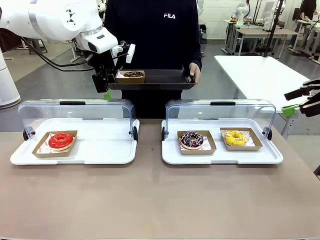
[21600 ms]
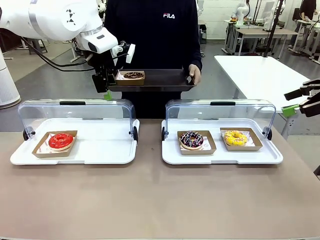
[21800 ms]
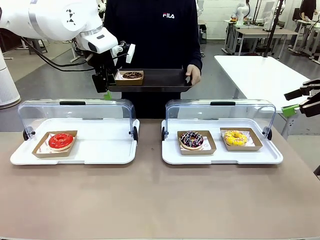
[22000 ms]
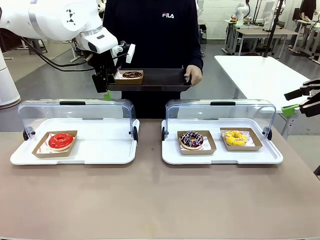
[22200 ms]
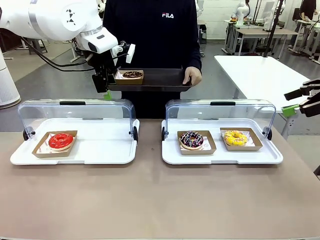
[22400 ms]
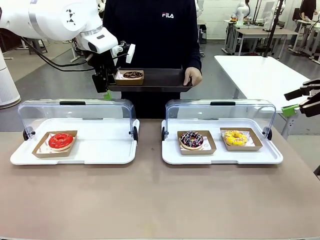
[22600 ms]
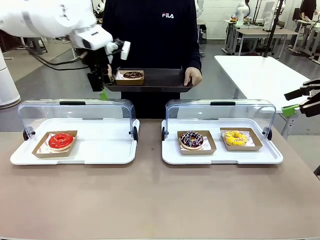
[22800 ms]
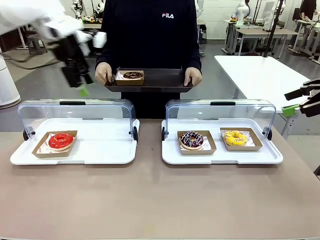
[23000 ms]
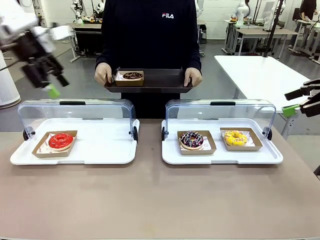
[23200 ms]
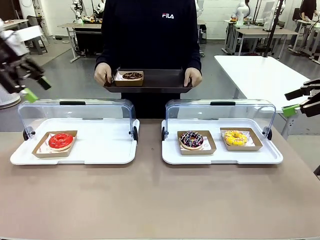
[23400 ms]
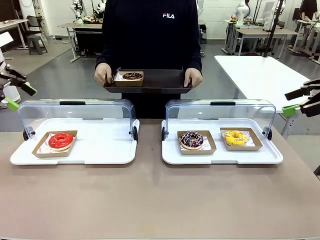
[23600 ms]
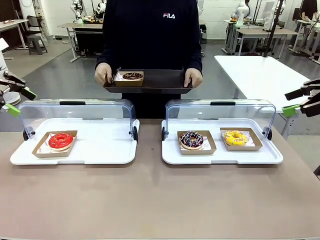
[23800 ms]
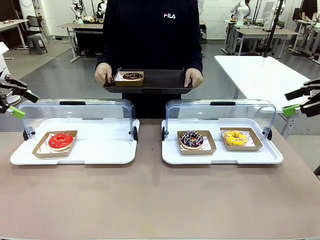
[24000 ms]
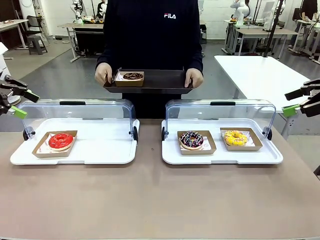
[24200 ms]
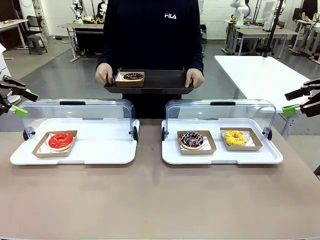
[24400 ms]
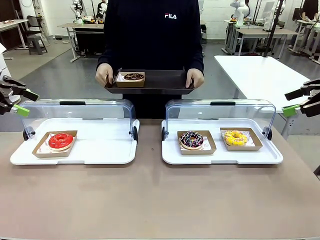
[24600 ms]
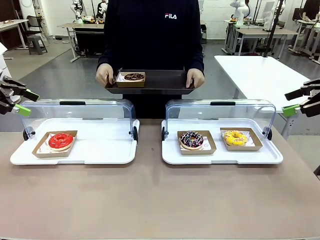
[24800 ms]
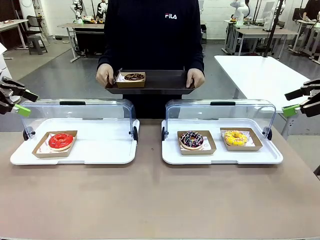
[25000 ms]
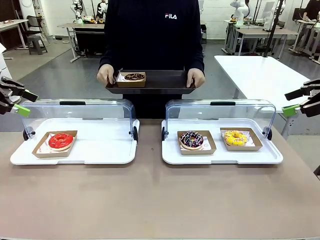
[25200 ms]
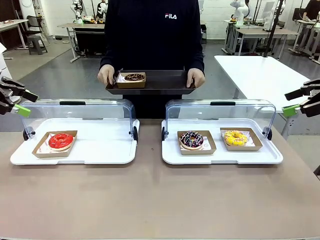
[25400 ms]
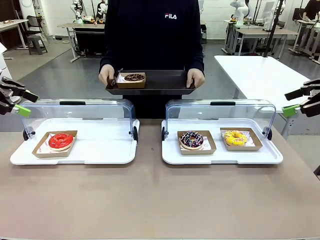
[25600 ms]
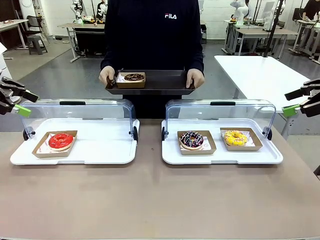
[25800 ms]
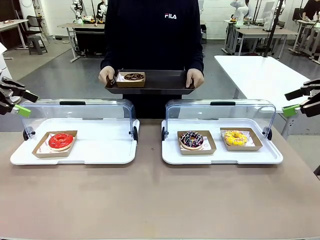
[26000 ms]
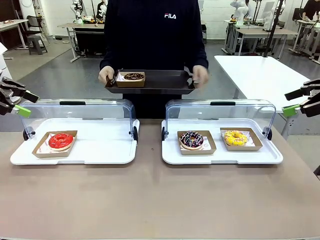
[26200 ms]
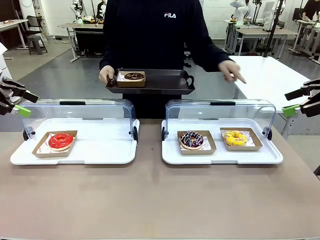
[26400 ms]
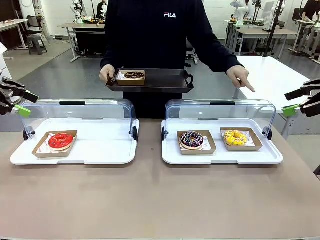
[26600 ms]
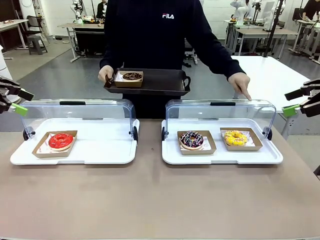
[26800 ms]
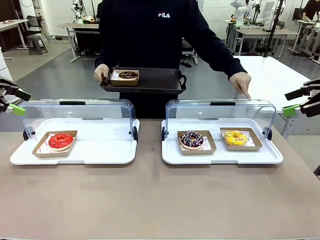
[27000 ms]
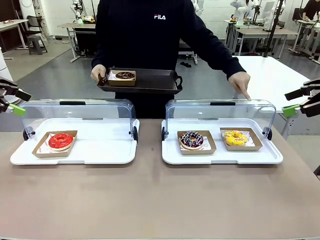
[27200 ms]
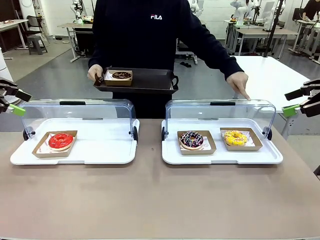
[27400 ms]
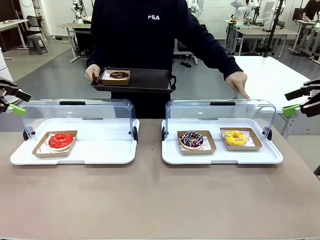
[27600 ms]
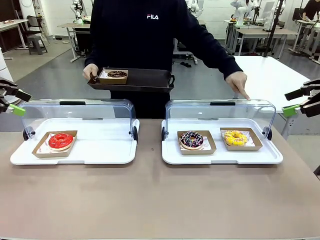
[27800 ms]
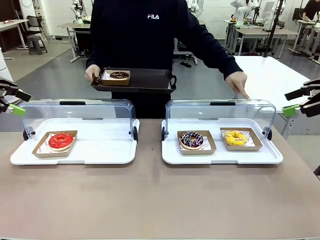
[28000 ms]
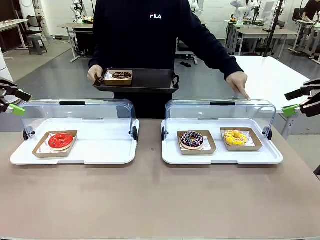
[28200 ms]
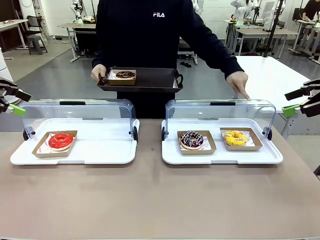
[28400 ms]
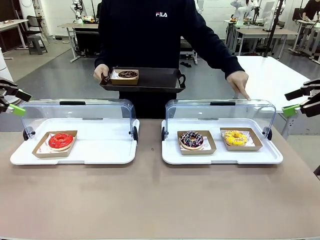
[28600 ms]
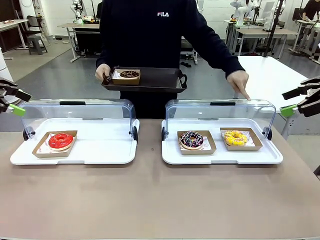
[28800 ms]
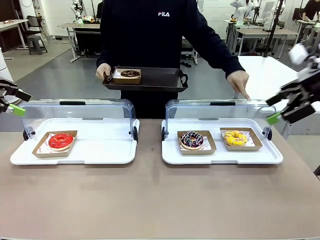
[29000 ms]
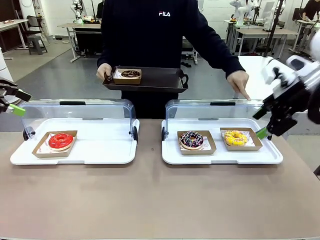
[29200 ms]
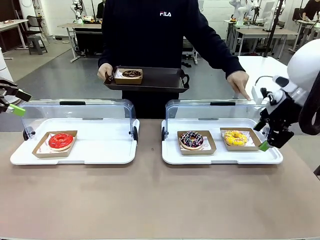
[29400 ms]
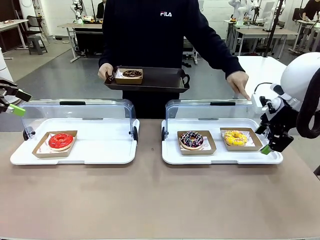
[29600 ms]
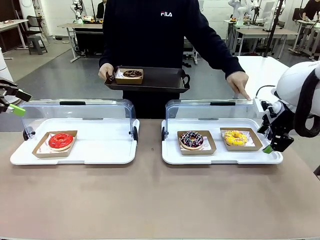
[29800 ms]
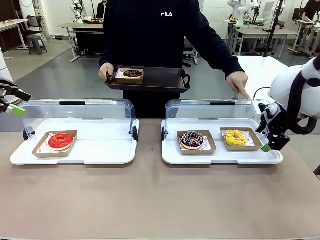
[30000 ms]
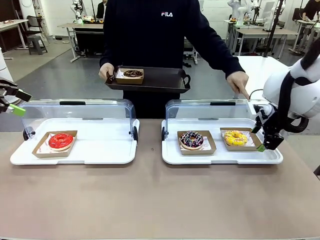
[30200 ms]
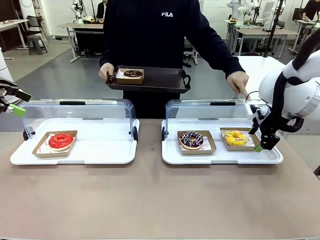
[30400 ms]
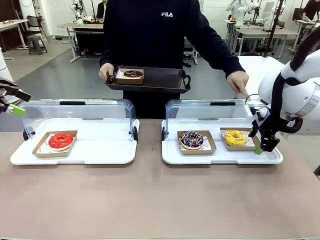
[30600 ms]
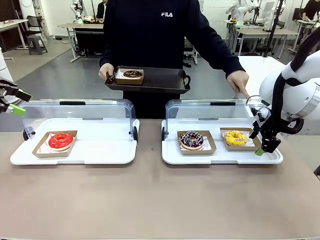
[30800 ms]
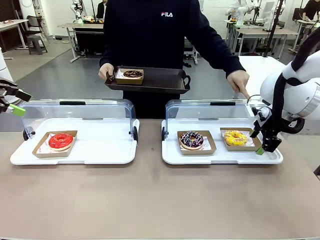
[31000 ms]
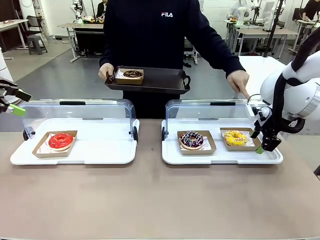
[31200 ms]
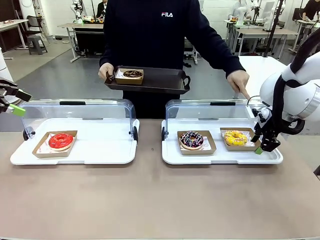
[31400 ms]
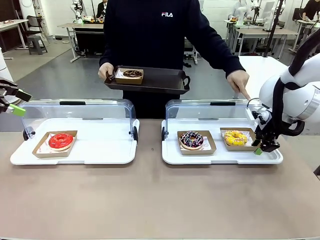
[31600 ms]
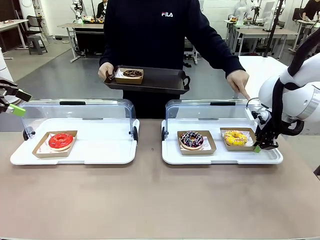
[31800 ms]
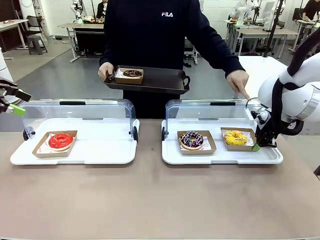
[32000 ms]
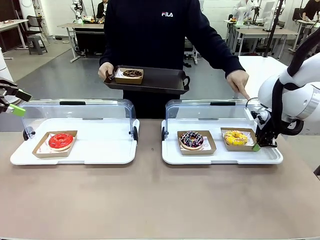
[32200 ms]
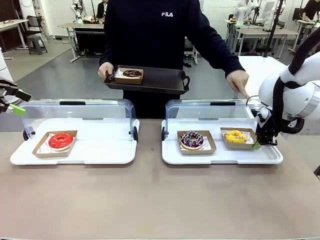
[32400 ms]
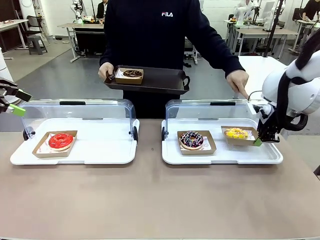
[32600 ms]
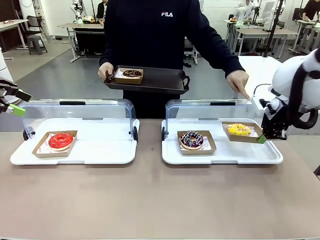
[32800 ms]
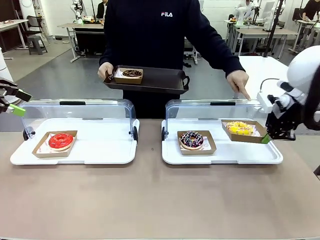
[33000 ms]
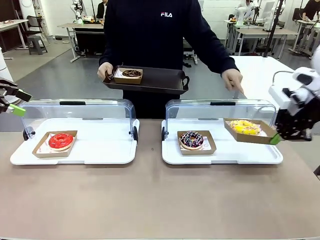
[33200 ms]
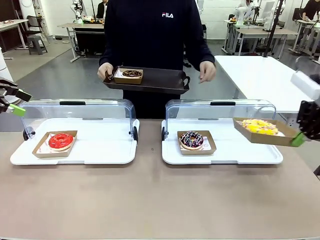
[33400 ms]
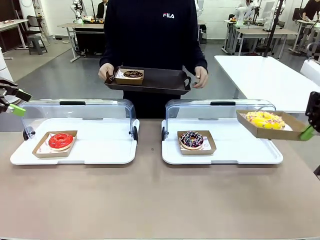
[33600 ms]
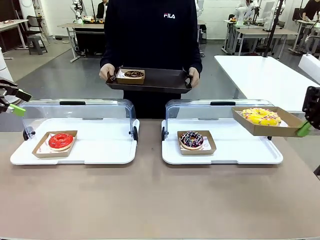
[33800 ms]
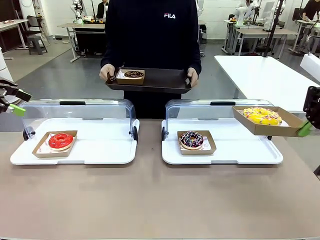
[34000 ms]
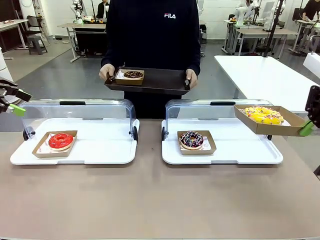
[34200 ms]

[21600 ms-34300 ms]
Task: Provide the desired donut to the person.
Robot: Pick up and lift the Paper togo box containing the Donut pointed at by the person.
Person: Lift the tray onto the Roll-Top Bakery Case.

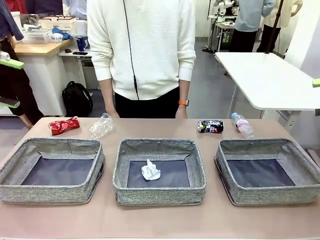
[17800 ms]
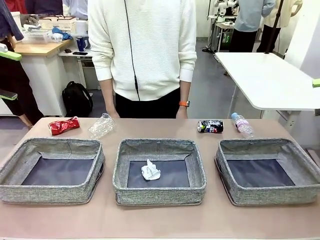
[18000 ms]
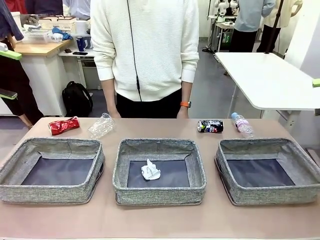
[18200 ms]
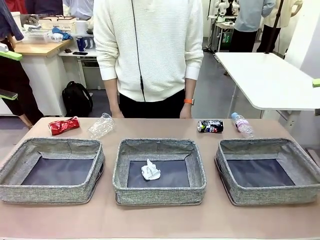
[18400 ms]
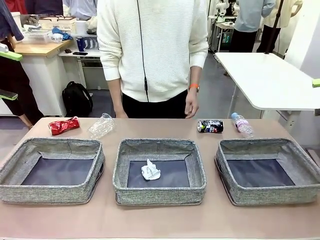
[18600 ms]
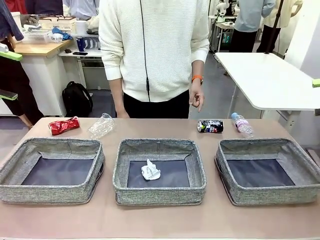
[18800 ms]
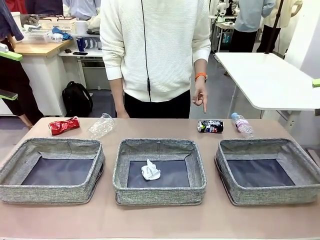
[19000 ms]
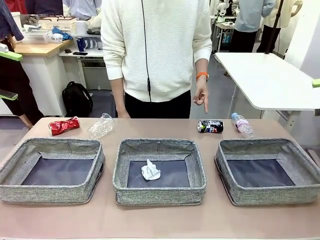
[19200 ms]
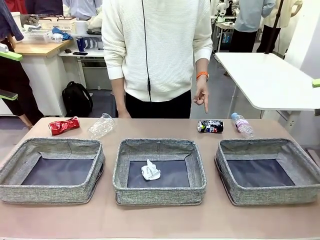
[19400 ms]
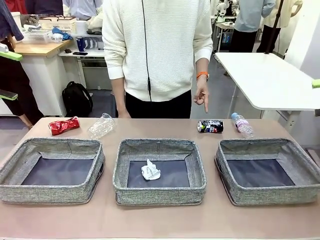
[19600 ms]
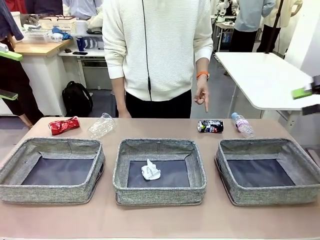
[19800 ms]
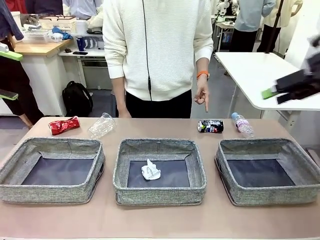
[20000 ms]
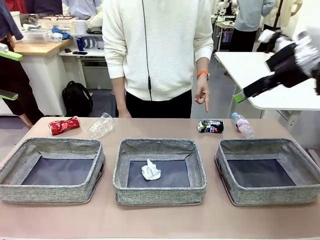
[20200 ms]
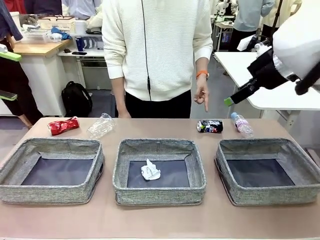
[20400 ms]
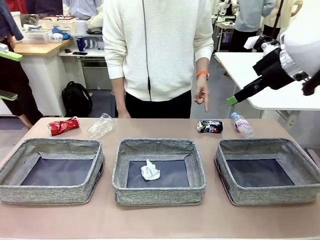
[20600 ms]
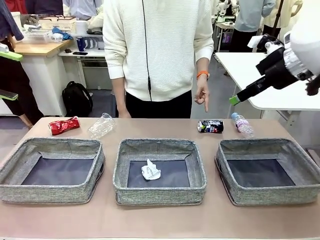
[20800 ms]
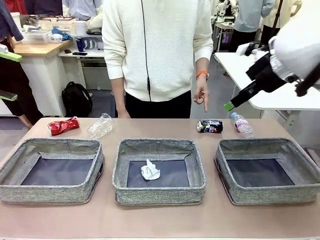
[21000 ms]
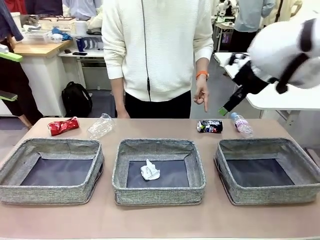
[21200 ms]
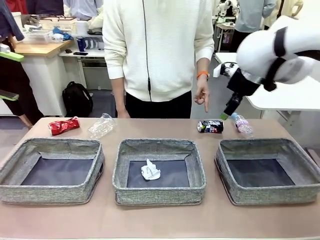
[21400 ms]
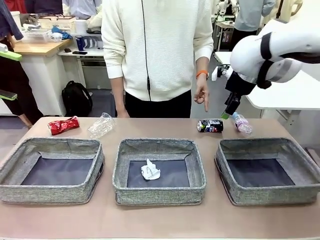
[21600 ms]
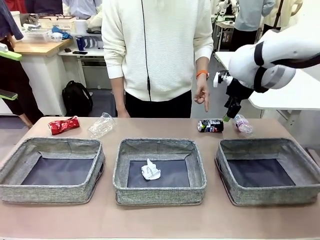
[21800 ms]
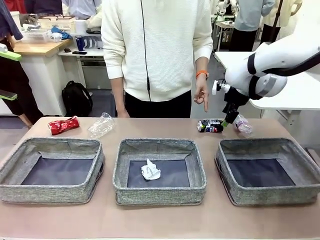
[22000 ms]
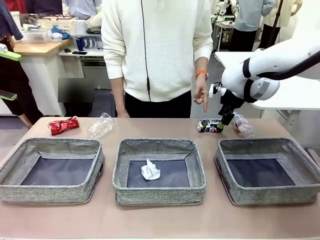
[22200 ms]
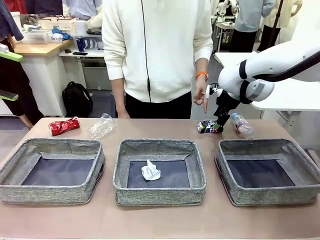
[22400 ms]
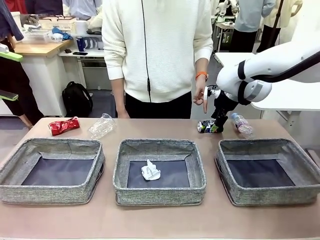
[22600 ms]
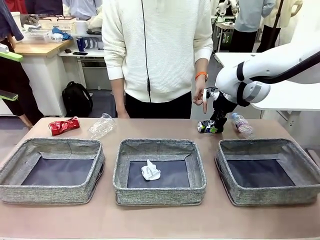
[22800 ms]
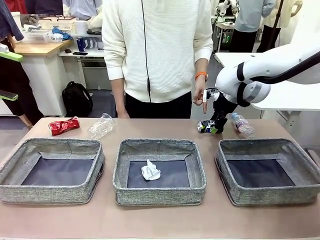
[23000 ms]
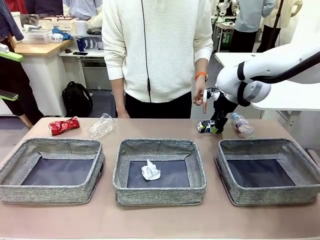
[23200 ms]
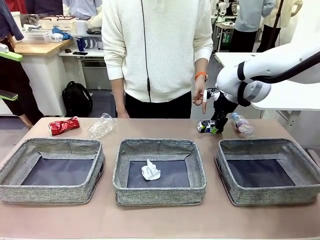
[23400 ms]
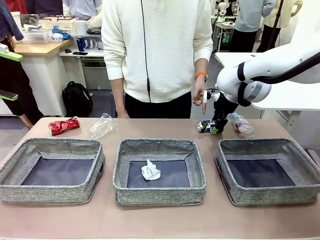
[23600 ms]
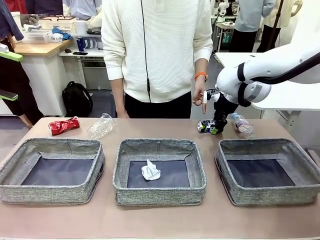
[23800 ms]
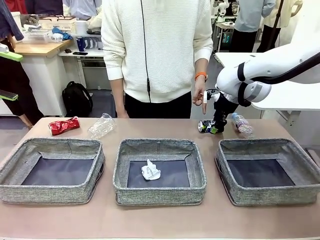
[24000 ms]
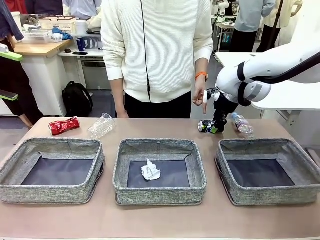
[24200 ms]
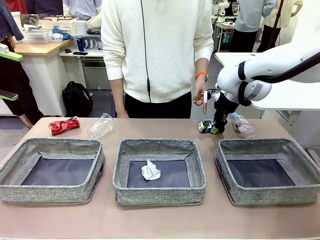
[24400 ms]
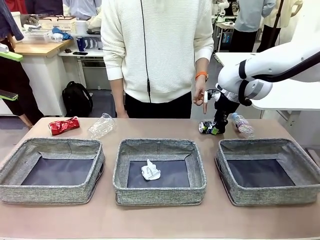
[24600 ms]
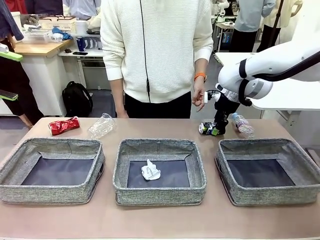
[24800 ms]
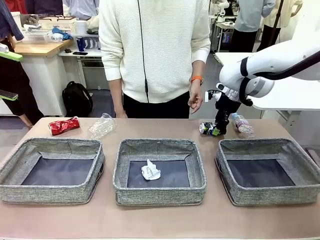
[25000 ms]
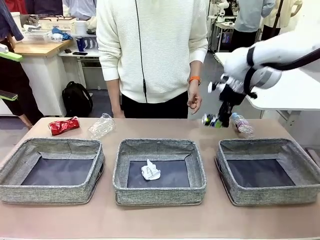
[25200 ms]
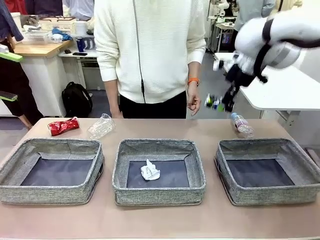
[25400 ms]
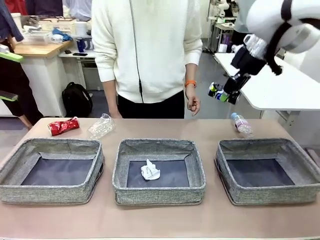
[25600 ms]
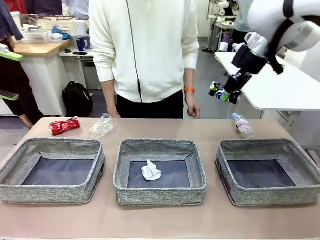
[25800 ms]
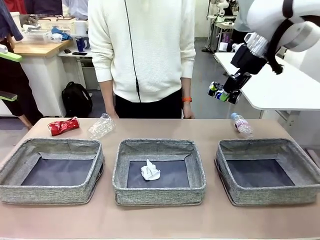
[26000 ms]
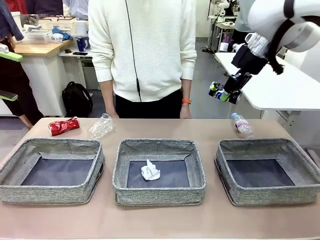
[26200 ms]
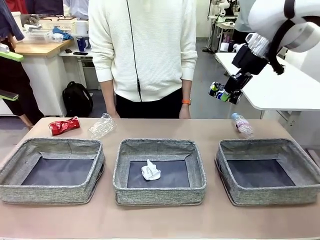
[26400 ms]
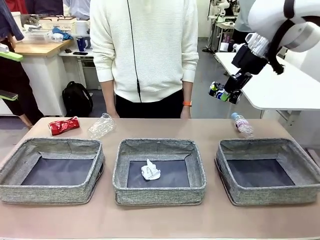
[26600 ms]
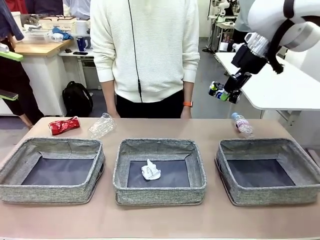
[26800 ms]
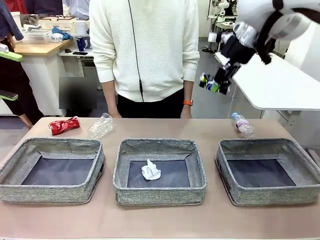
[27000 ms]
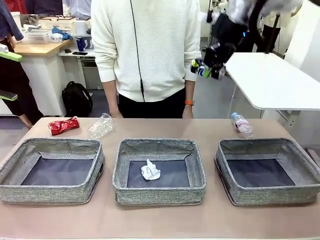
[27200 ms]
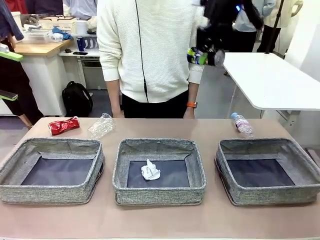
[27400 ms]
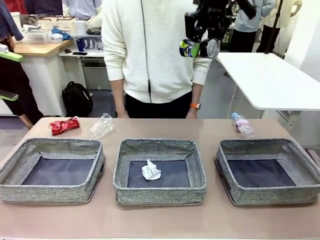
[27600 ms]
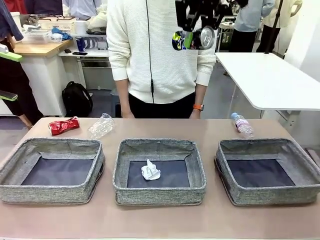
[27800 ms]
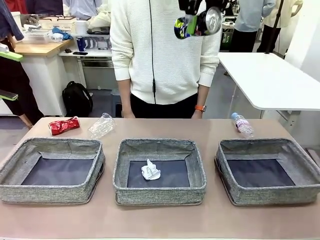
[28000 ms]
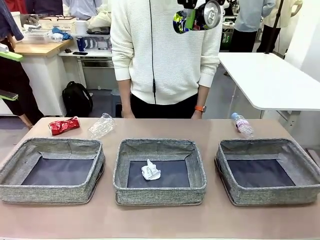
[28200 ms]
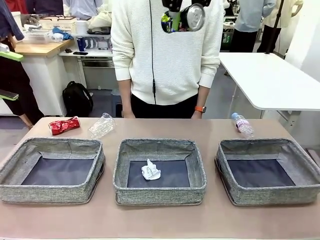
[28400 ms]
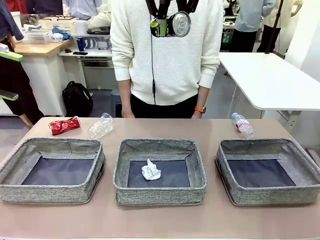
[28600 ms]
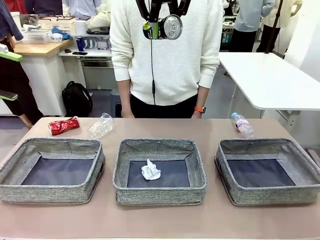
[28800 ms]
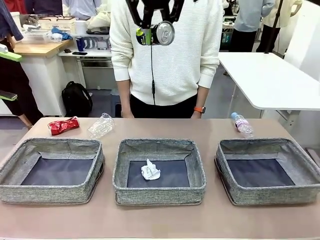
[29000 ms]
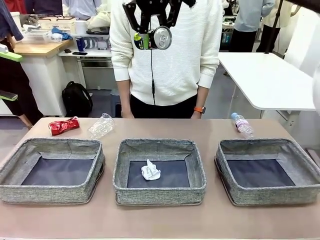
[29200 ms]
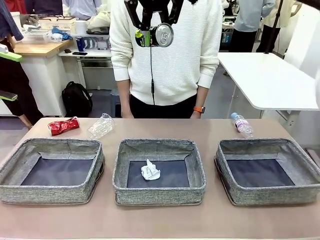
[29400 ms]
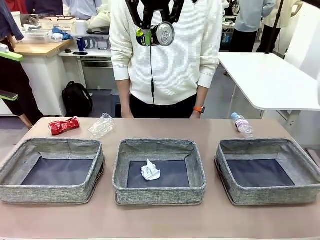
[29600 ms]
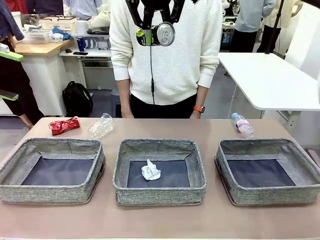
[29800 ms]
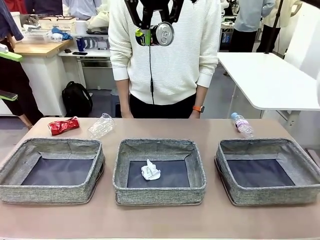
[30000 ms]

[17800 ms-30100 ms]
Task: Sort the waste into the appropriate baskets.
Robot: Pick up the waste item pointed out by the person.
Person: Points to one piece of trash on the table.
